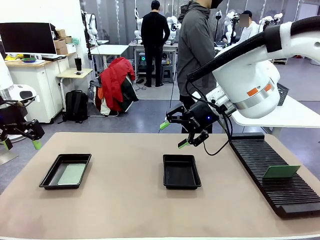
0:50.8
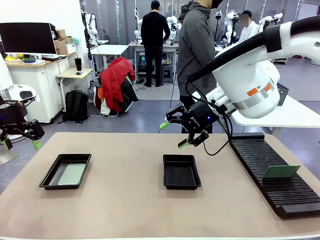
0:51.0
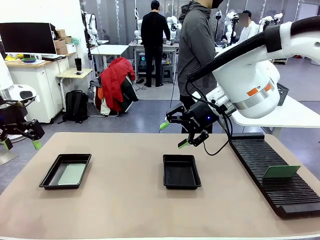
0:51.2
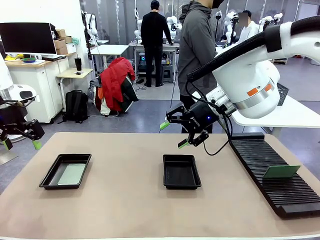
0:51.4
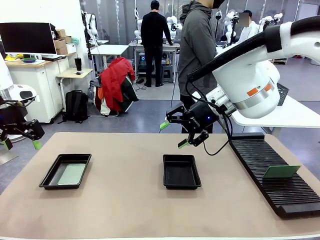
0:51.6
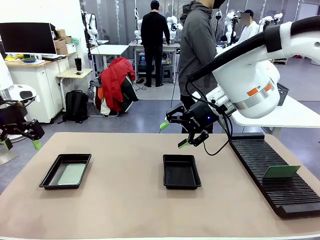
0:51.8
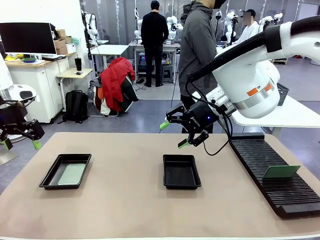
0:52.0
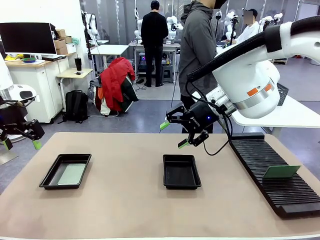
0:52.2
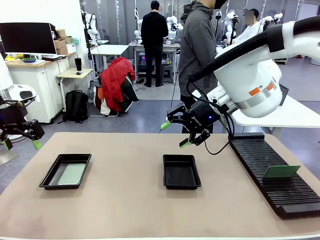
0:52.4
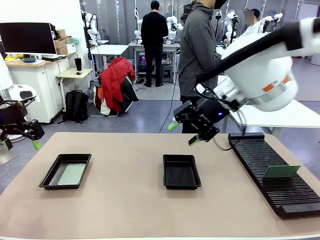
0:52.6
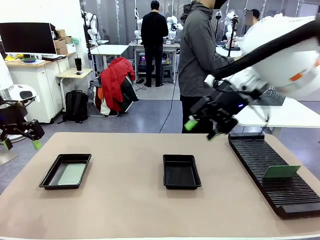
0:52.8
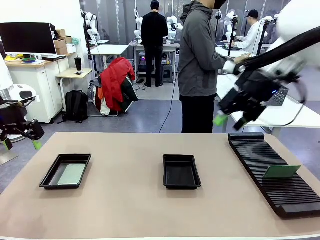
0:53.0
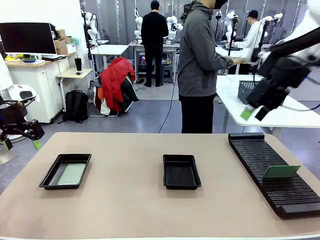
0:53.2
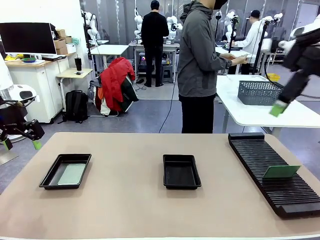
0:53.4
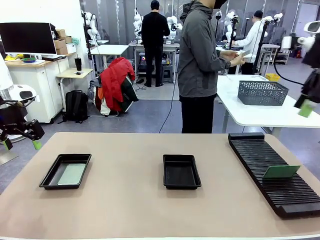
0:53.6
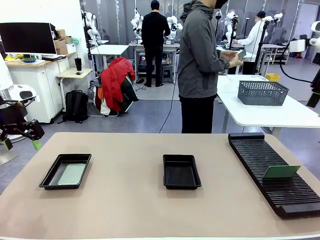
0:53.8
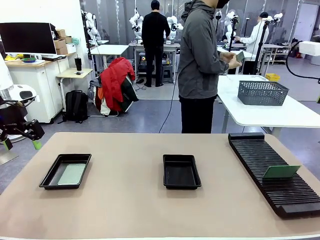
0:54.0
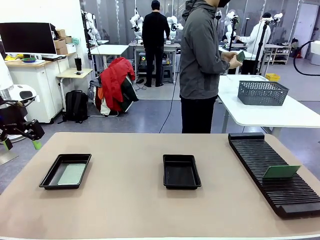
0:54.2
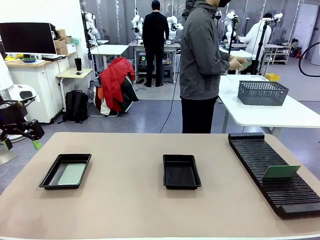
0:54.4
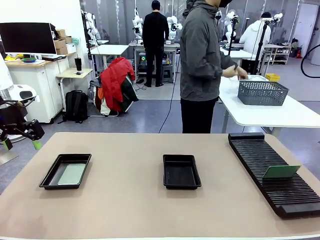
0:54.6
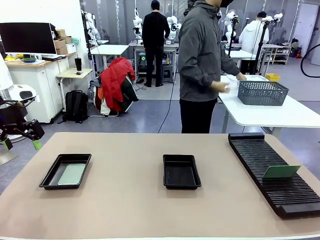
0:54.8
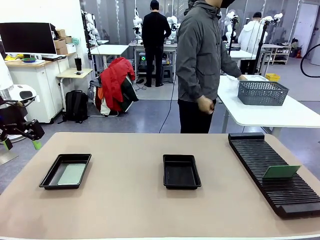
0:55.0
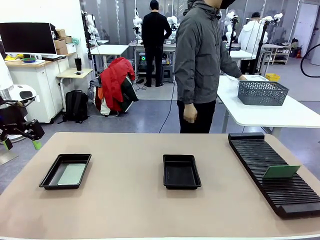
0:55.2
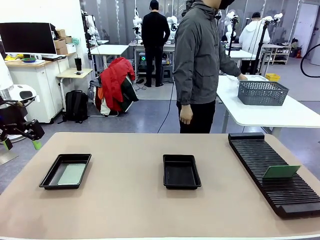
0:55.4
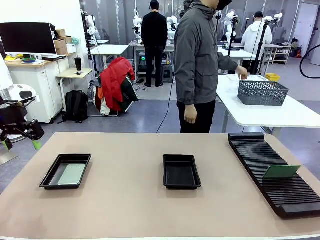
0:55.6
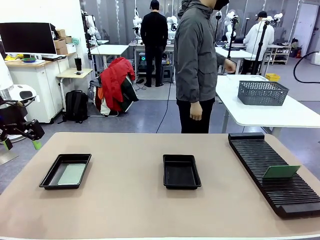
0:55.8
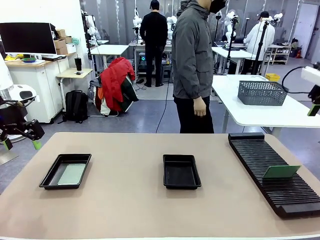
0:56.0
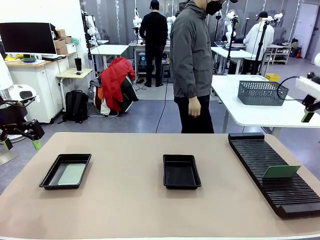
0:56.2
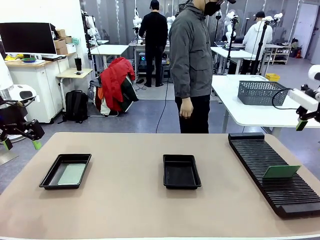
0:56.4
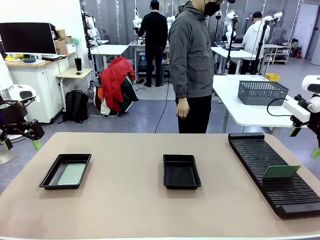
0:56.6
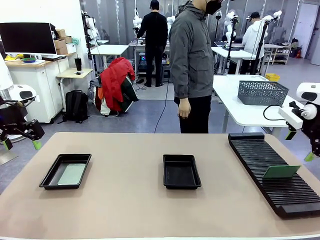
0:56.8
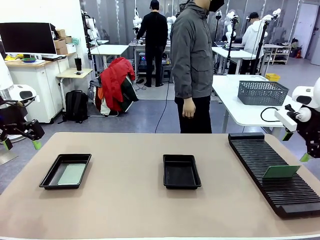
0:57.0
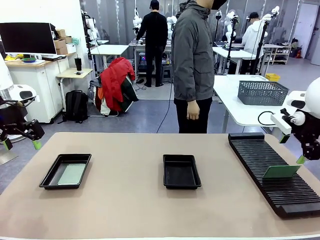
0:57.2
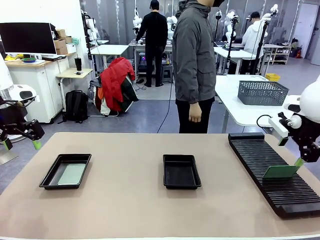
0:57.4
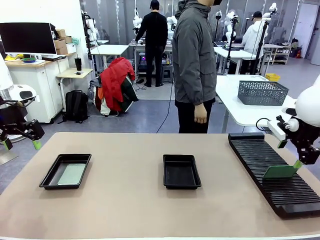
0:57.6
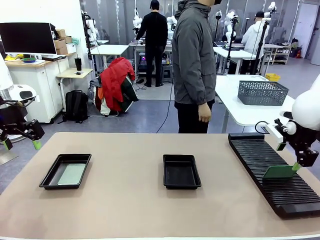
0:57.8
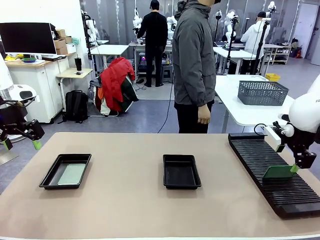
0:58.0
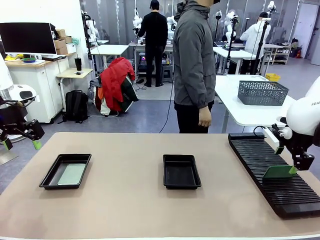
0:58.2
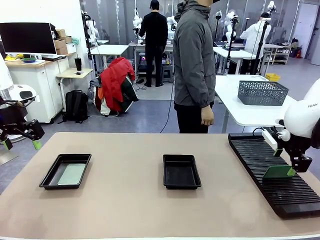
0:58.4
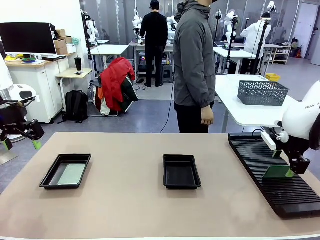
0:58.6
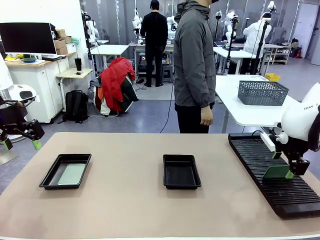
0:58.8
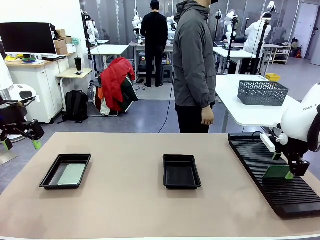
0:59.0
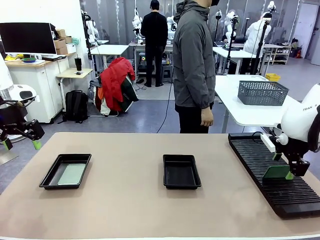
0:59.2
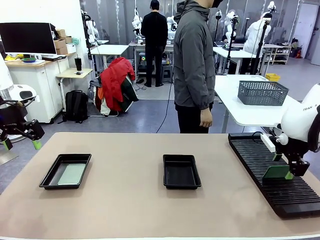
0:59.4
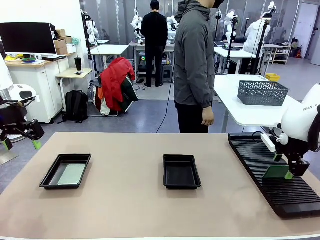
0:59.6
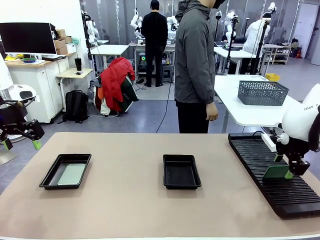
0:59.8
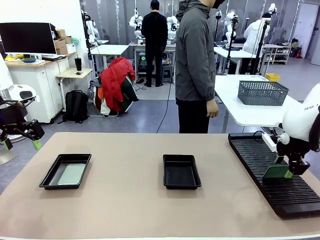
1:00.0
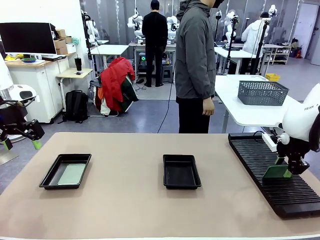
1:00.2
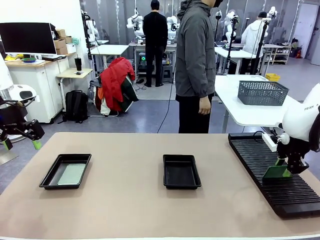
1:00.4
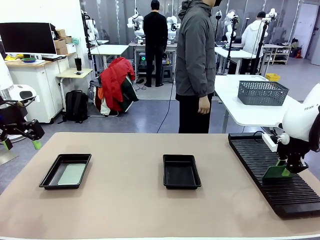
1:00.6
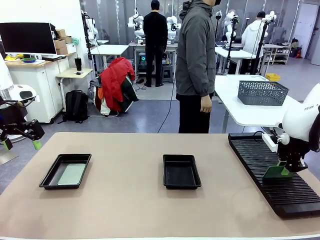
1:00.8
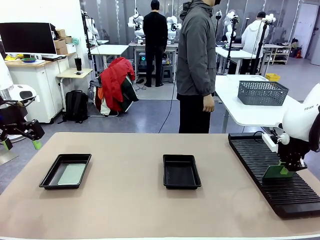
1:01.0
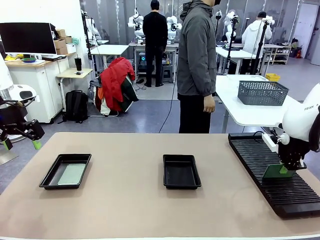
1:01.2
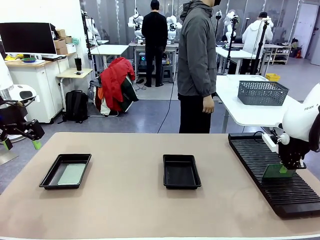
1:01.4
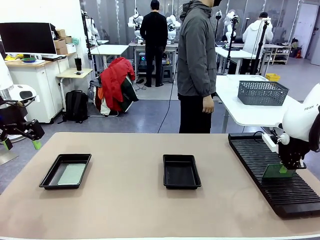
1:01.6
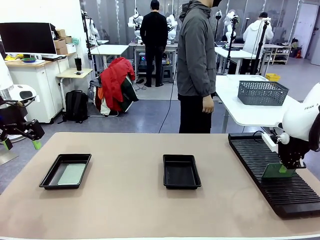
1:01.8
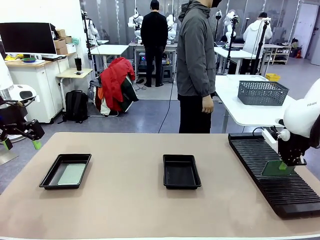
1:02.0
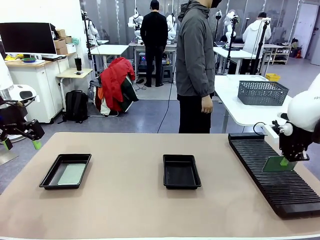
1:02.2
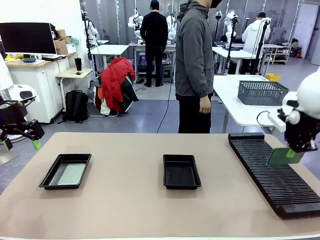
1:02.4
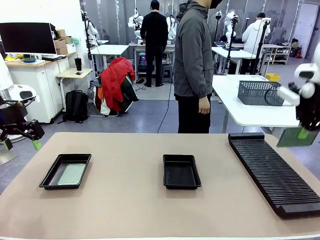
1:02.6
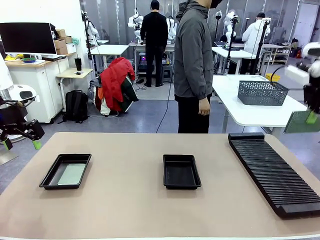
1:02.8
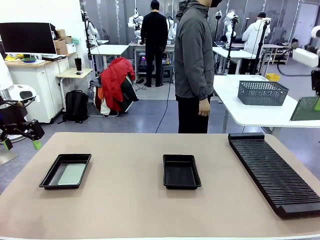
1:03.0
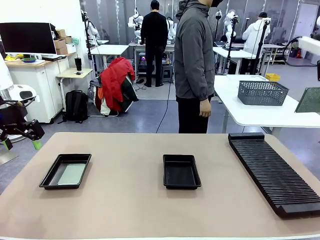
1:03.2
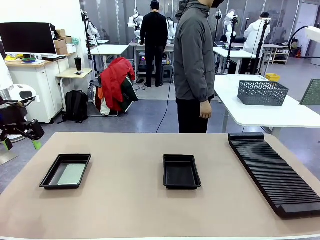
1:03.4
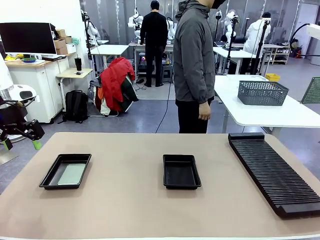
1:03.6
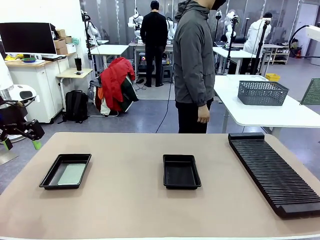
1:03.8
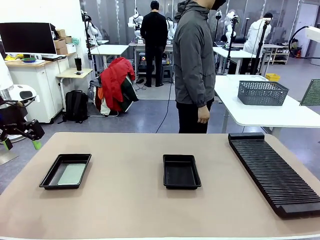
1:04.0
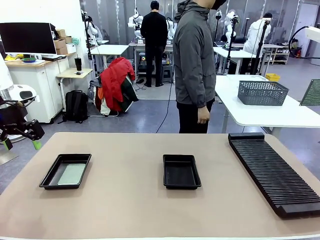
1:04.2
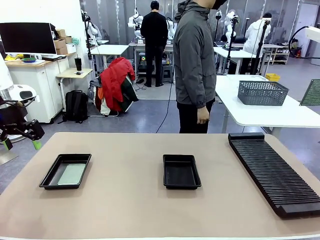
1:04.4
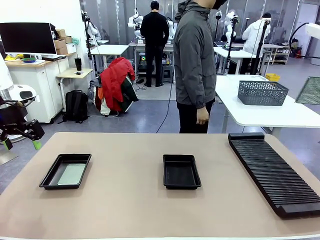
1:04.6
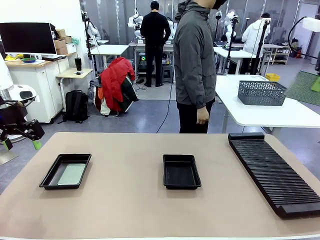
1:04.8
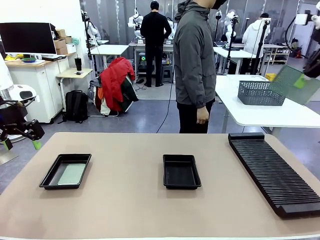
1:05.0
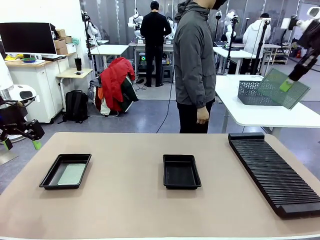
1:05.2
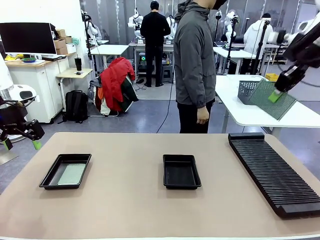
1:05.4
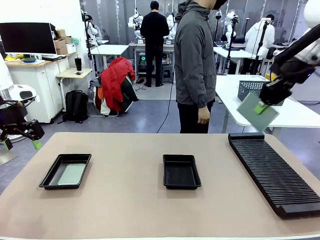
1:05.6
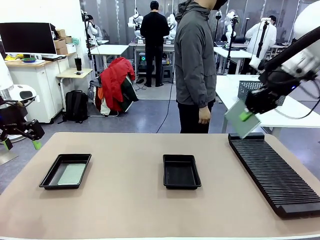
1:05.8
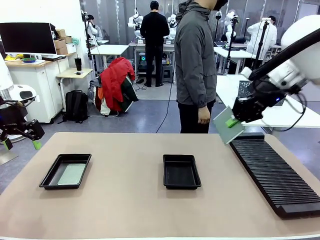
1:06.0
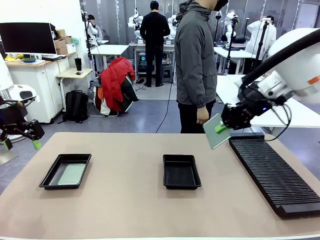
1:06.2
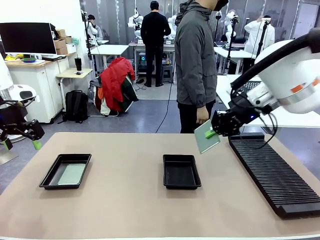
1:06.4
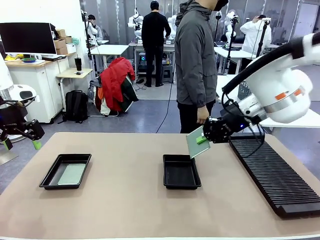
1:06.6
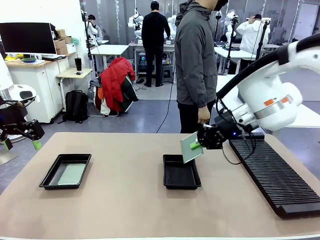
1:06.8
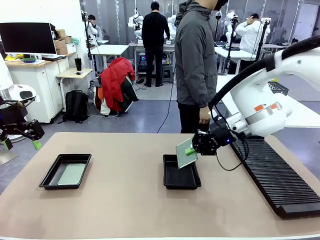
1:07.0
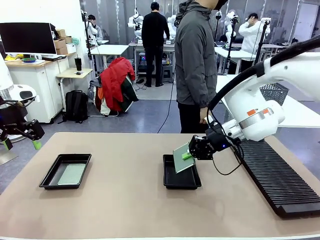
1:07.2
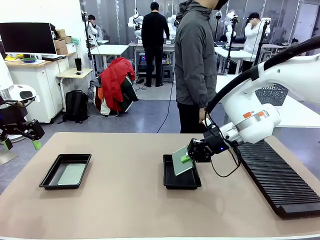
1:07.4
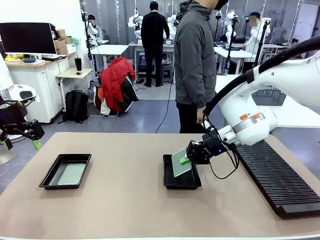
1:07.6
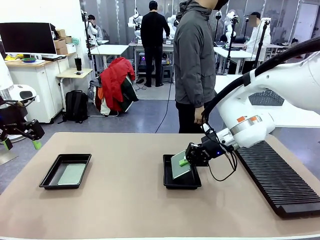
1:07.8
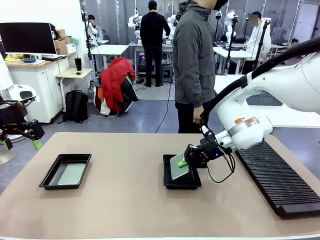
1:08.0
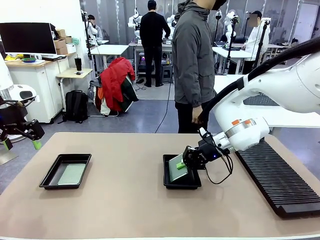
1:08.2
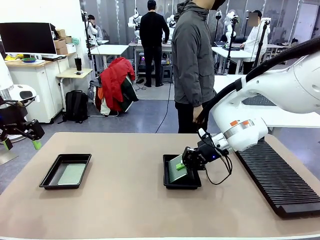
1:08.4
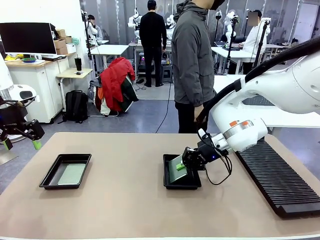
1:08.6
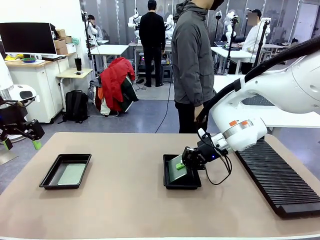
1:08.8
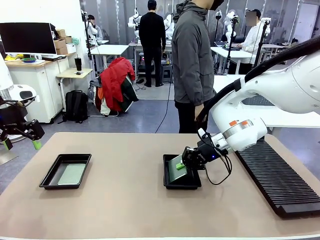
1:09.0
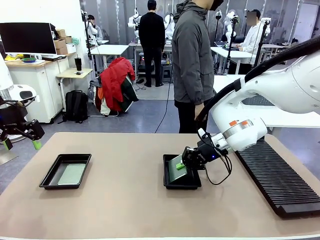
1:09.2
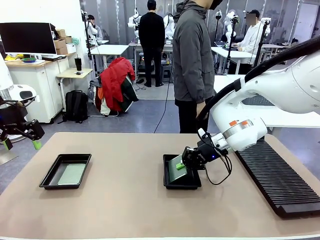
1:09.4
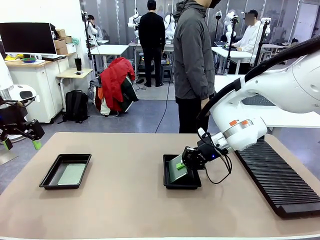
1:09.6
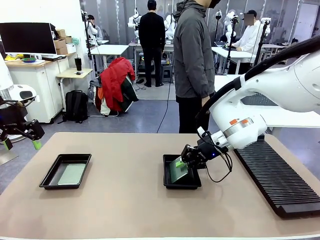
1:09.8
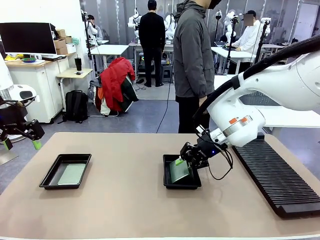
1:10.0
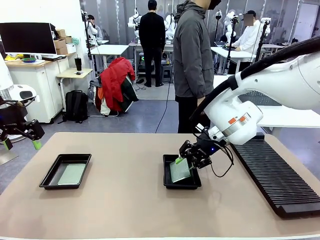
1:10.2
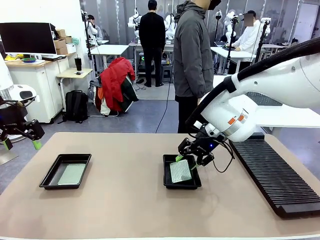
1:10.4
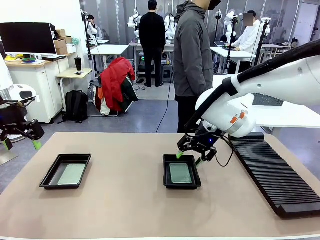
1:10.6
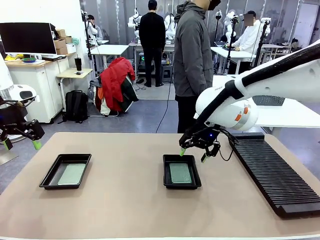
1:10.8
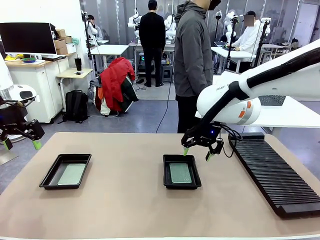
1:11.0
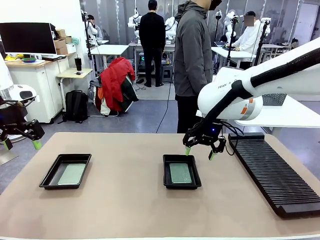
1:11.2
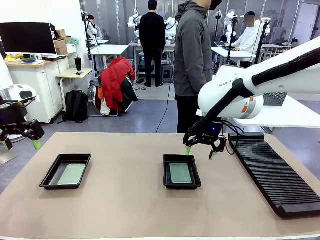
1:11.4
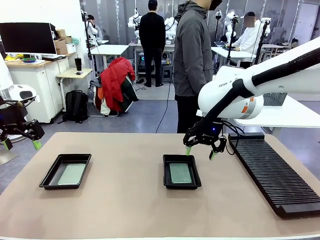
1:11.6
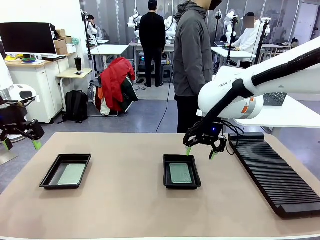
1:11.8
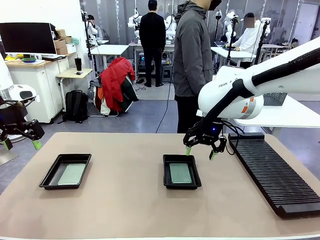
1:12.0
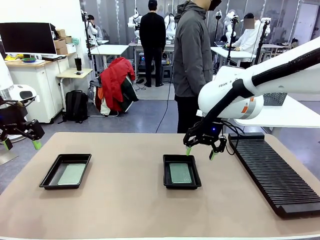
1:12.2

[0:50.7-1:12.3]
Task: Inspect and transfer BCBs to ESD trays.
Robot: Pick up the Blank PCB from the PCB Rack and place it in the right ESD tray.
